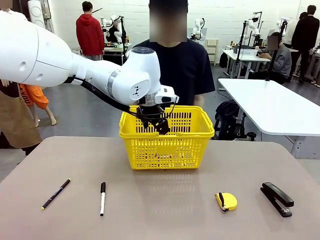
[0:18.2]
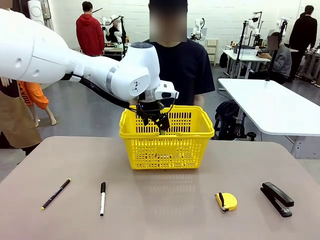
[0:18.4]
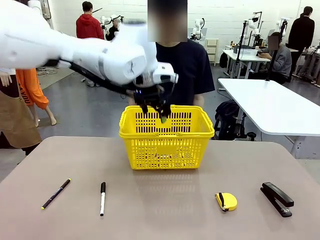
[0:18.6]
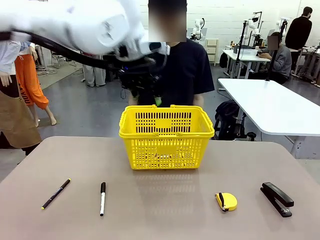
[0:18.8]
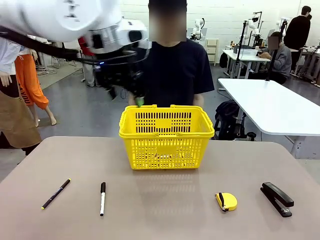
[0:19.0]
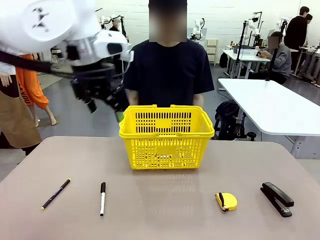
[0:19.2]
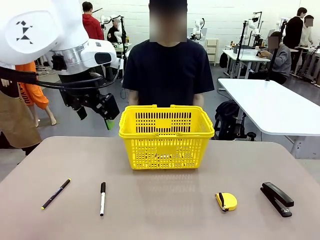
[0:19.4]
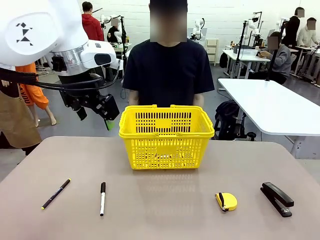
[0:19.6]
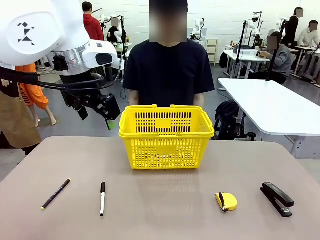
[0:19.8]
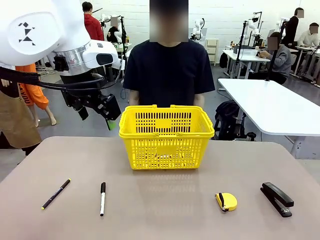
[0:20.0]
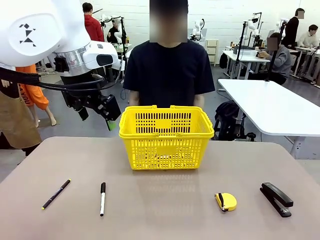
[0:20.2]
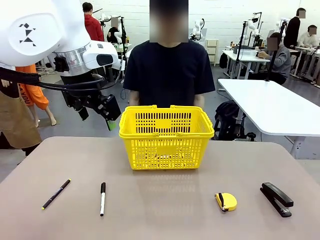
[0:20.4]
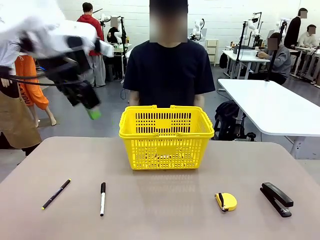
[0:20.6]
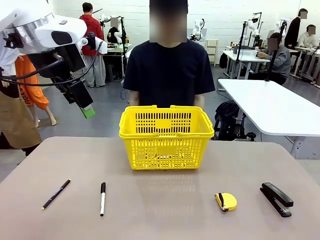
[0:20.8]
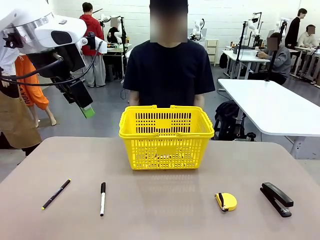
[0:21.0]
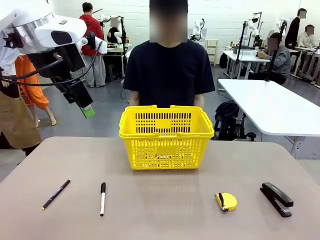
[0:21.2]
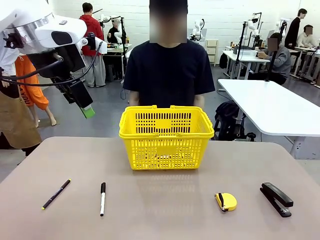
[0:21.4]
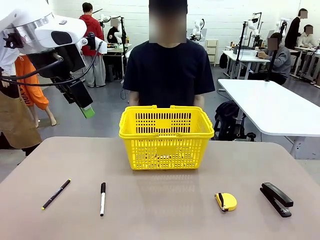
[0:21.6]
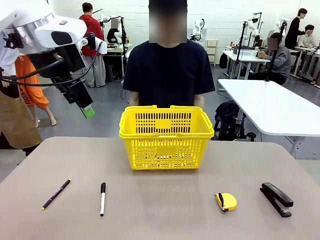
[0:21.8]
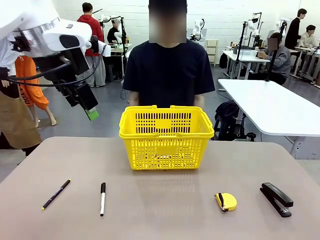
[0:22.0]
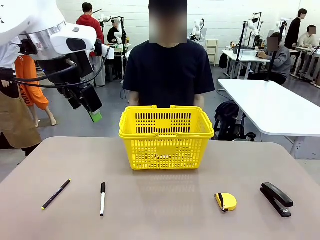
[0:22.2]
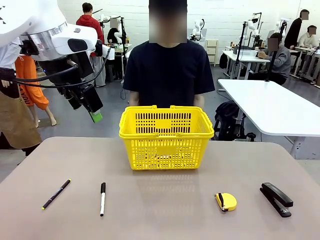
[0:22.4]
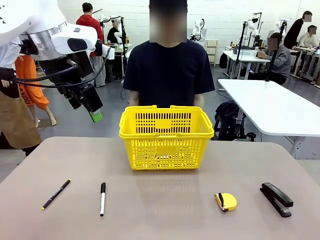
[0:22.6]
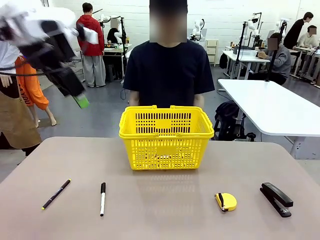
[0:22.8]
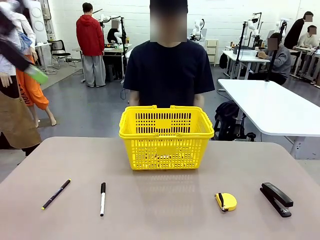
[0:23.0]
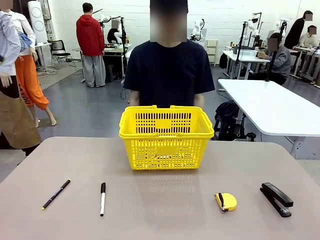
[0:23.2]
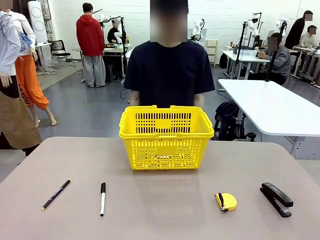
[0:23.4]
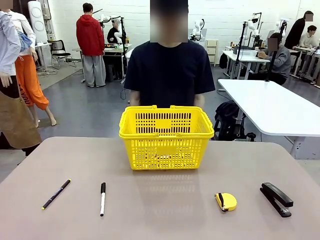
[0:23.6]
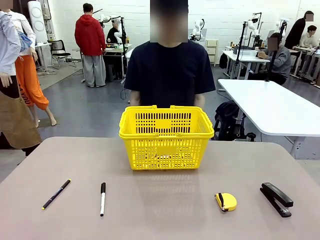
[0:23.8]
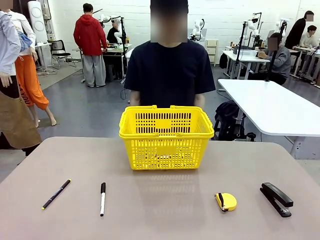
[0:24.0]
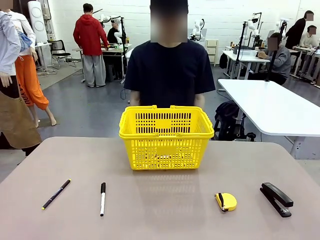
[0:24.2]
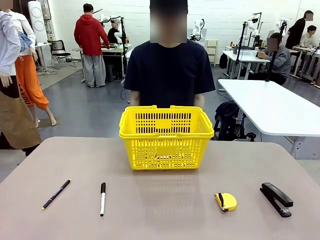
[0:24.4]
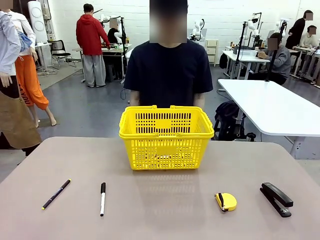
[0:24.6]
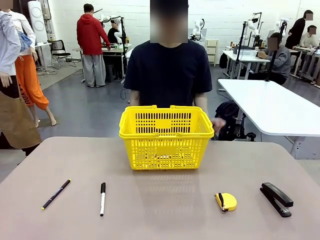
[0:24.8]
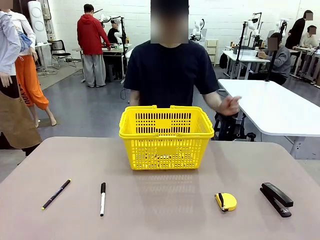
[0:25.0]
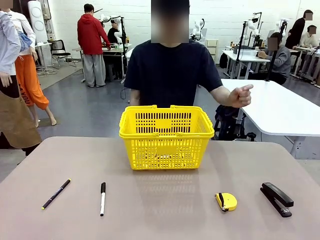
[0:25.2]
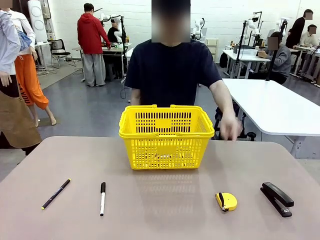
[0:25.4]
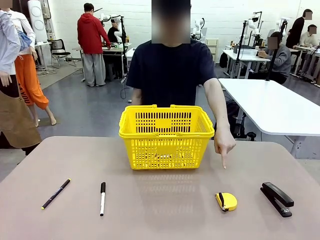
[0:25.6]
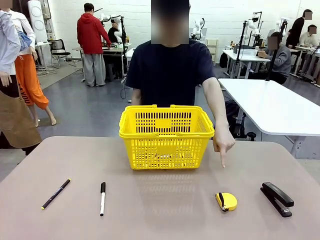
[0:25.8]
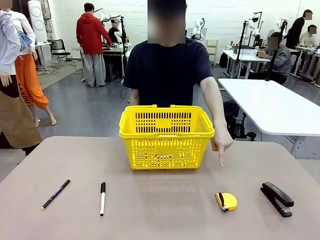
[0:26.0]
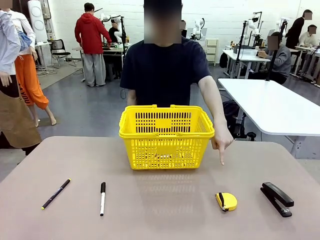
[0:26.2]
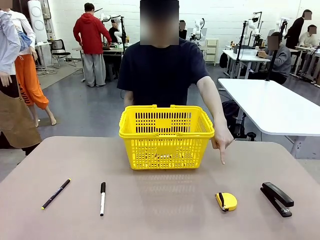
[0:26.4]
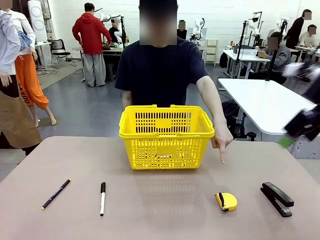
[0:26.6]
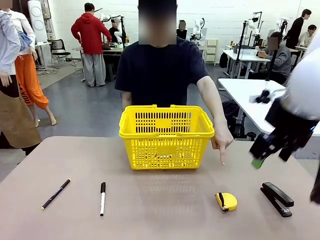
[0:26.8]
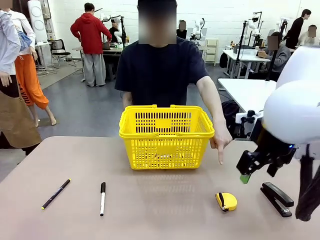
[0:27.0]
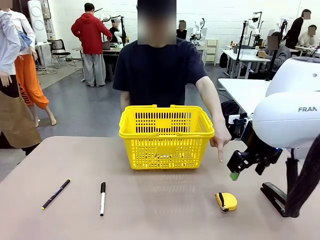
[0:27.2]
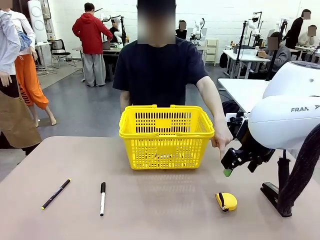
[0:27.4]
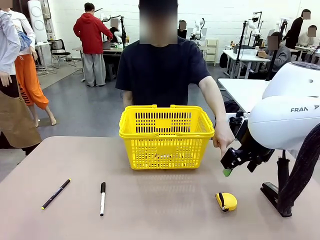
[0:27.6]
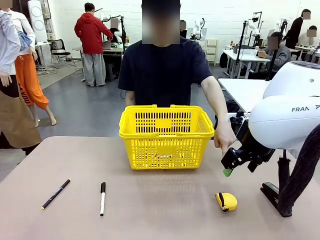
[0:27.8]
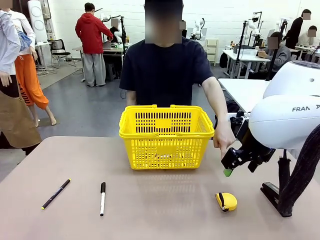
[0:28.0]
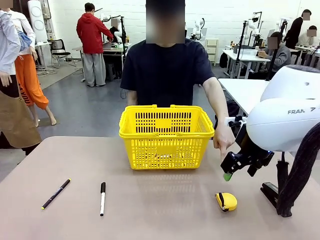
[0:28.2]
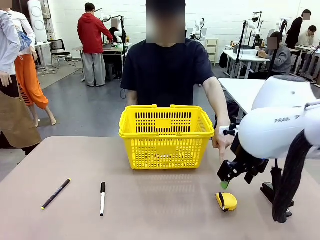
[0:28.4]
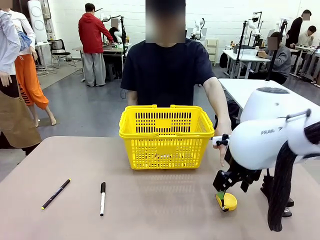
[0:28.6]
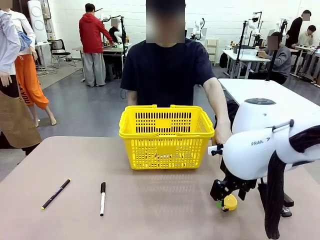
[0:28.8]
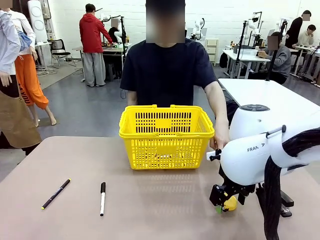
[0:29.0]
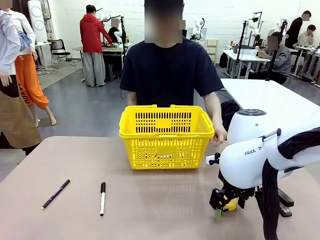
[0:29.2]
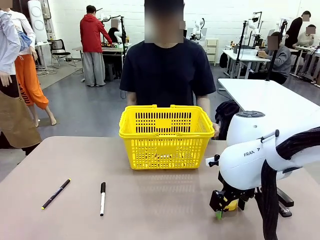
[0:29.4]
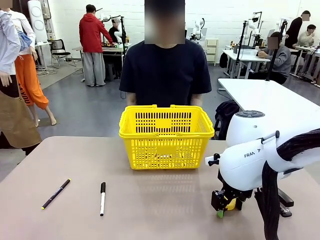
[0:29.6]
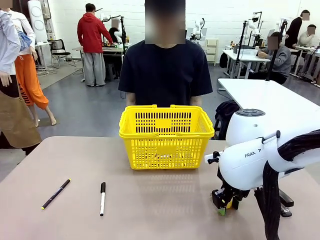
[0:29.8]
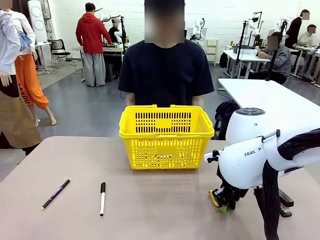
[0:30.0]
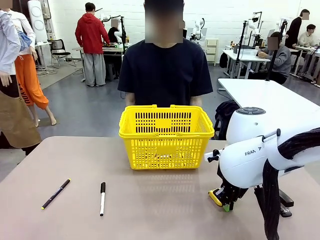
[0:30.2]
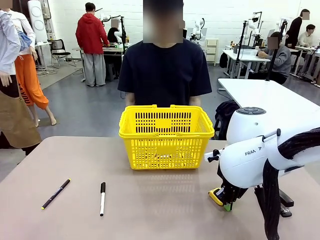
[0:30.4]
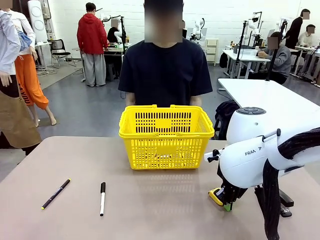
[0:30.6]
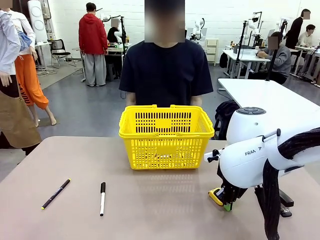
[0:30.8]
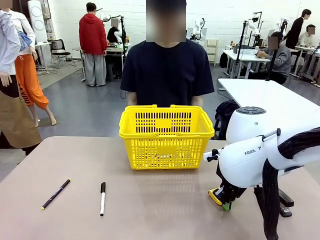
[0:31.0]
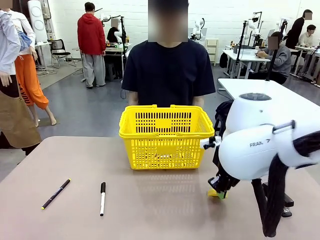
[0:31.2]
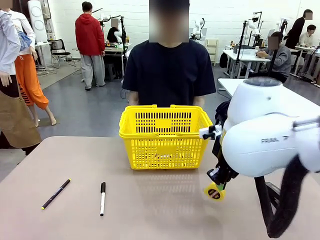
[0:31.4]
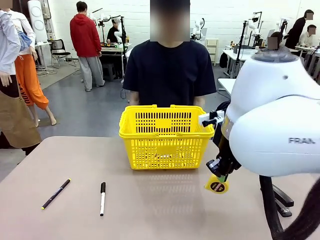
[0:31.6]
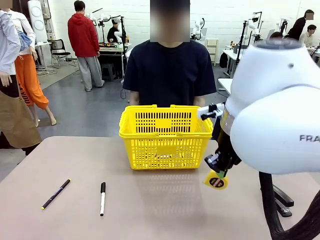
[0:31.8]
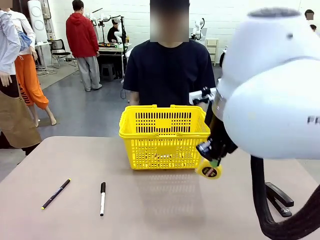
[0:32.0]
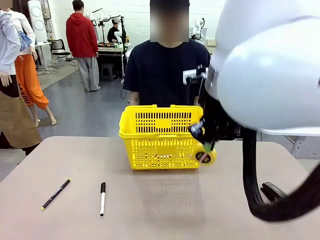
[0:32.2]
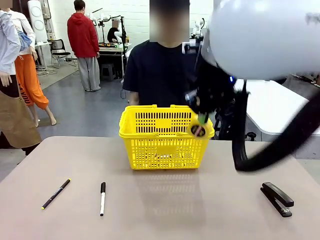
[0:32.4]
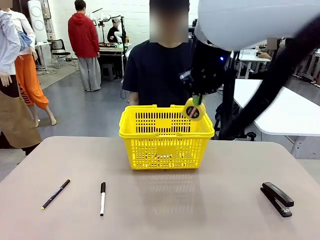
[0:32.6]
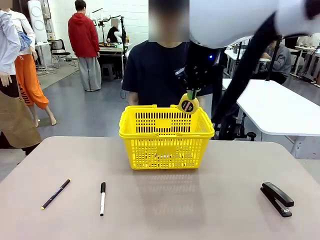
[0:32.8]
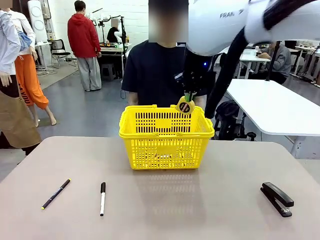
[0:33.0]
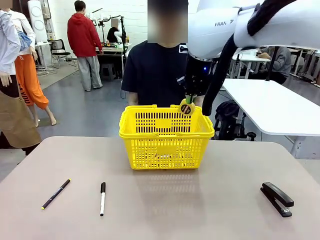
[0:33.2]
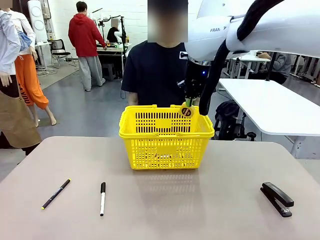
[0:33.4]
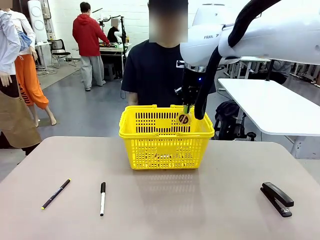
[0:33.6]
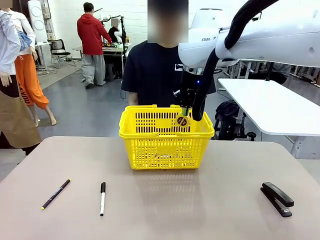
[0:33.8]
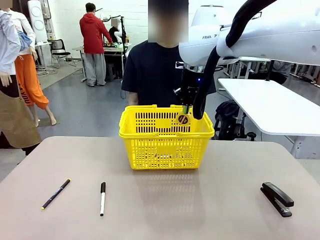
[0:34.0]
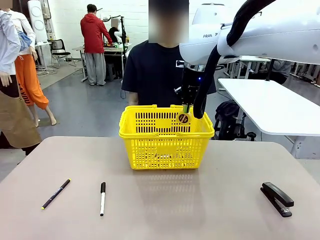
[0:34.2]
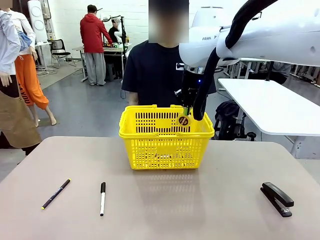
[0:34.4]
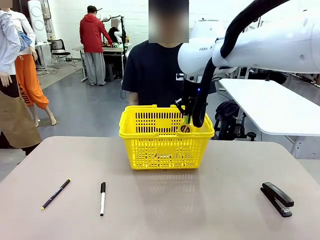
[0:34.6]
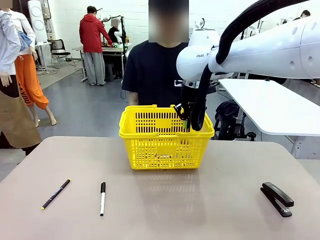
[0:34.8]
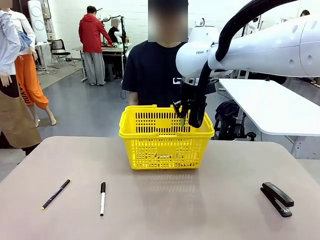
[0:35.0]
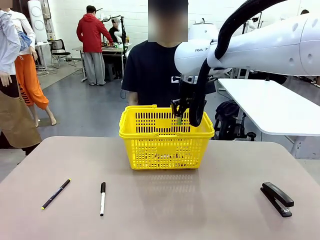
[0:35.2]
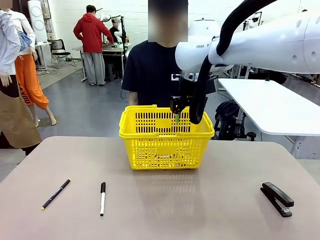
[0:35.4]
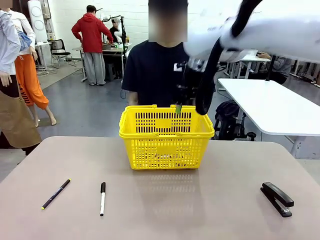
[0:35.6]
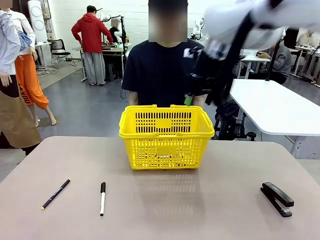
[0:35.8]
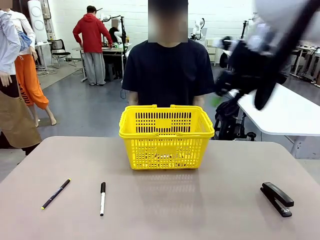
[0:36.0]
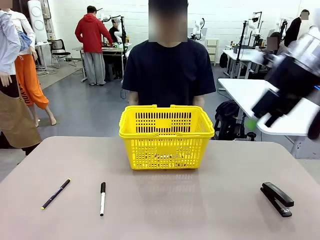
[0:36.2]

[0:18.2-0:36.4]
Task: Place the items the person wants into the basket.
Robot: Pick up the item the person points to and place it in the Market Basket.
